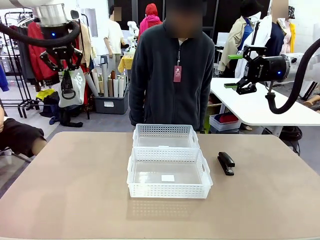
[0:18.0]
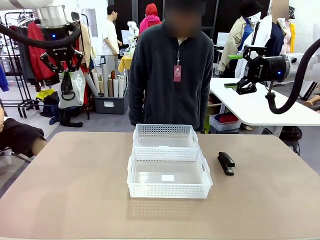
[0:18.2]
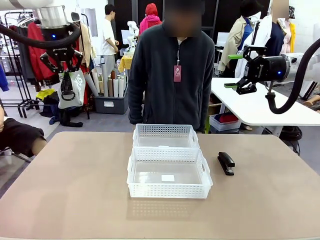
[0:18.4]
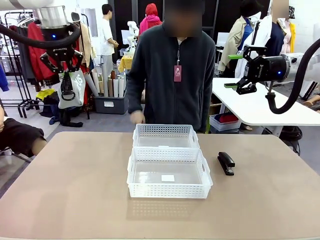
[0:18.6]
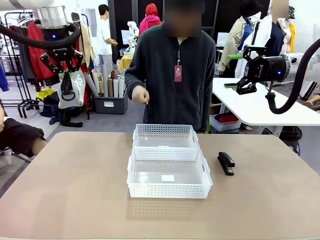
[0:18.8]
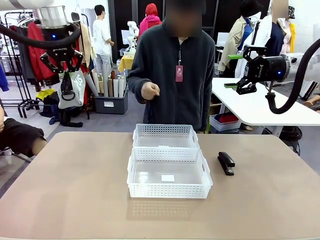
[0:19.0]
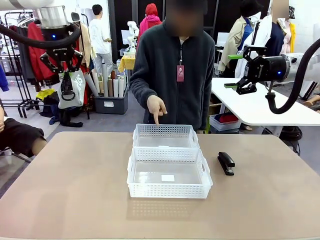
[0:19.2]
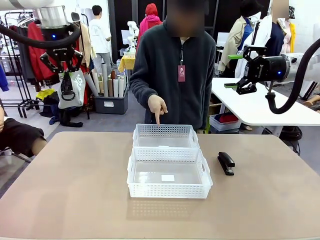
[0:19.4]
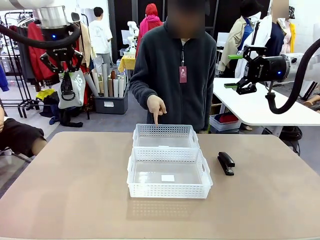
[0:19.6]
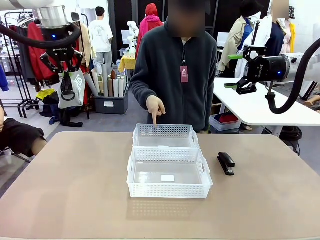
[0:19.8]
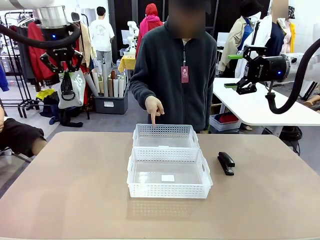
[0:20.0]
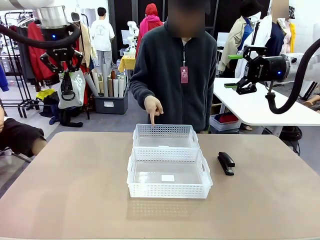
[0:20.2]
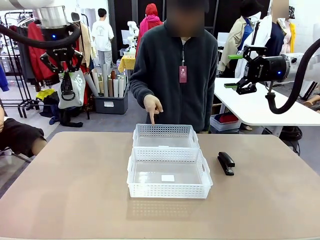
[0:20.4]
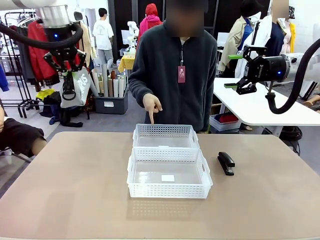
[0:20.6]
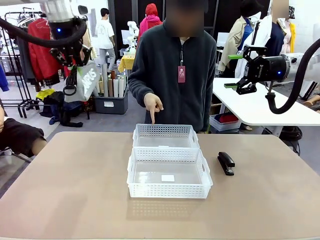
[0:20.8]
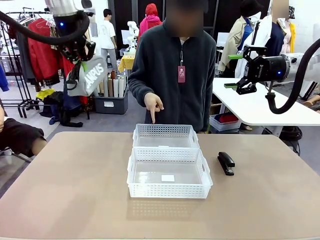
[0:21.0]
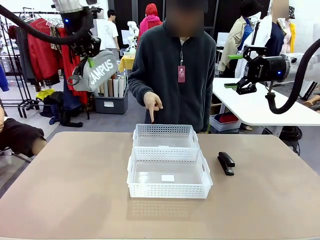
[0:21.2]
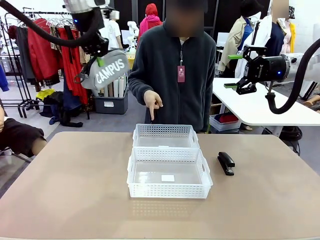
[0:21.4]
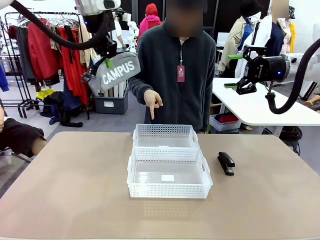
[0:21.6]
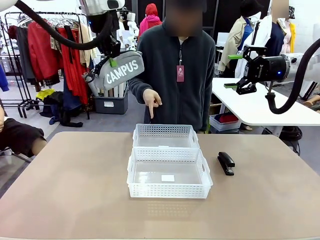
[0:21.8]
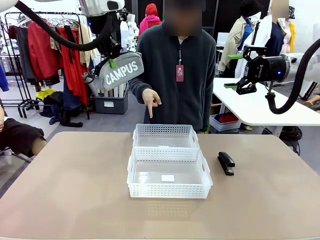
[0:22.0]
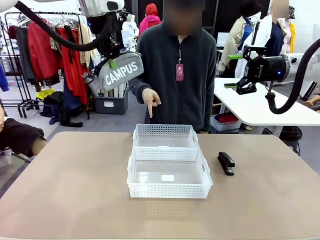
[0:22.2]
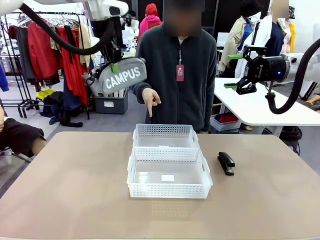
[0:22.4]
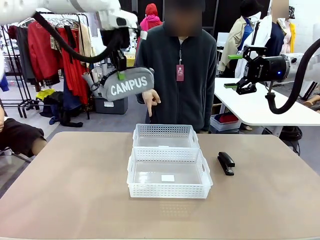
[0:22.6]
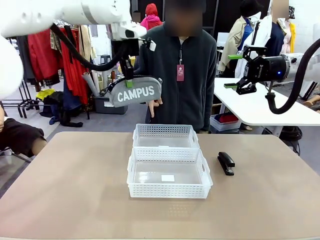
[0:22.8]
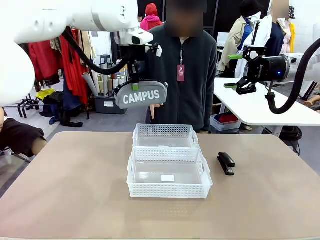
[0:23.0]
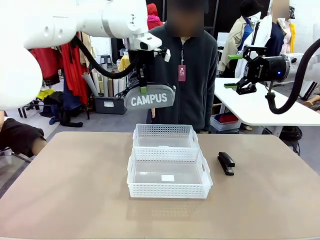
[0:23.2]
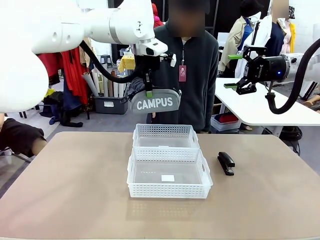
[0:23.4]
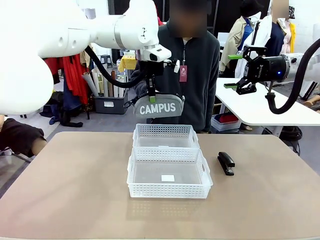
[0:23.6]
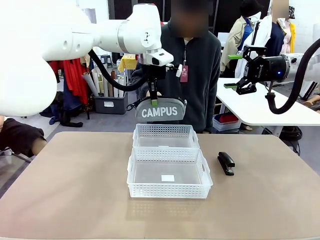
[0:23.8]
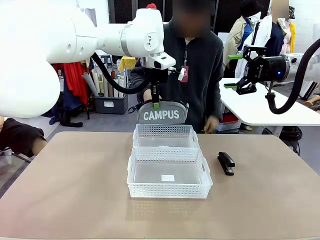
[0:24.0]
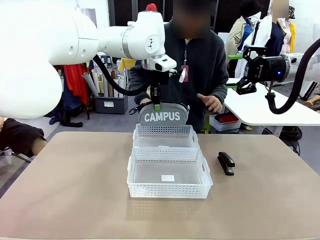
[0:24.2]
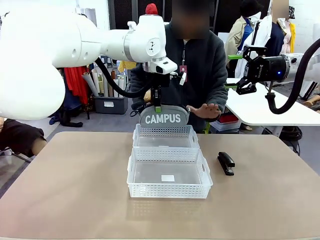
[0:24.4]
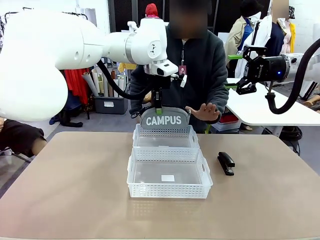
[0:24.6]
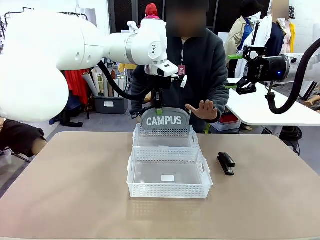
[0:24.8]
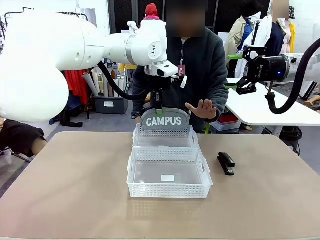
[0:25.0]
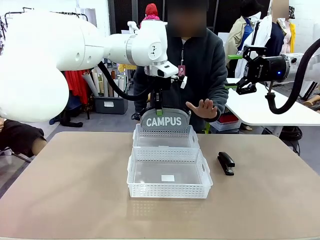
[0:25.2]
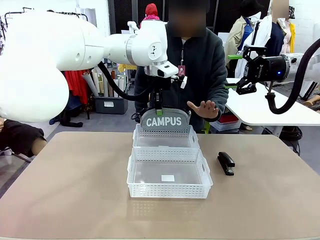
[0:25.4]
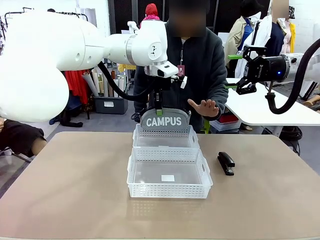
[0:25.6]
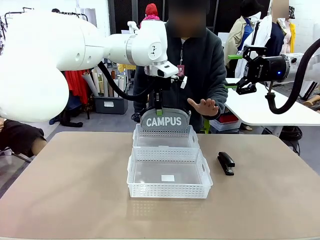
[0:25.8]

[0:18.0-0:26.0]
Task: Distribute items into two baskets.
Robot: Move the picked Pencil pouch towards the Organizing basket indicated by the person, stopping as directed.
Person: Sends a stop gesture before the robot places the pencil case into the basket. Instructs the robot to place the pencil case into the opposite basket.

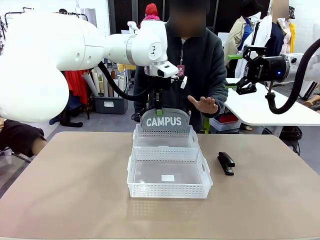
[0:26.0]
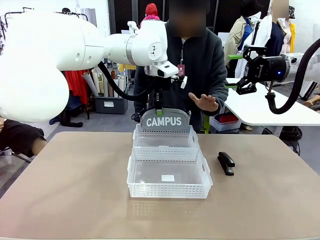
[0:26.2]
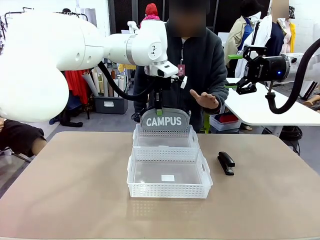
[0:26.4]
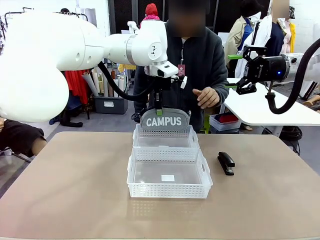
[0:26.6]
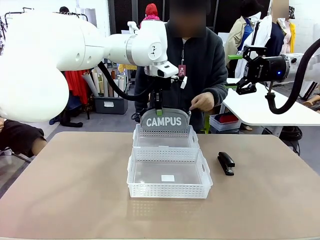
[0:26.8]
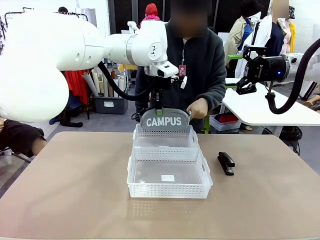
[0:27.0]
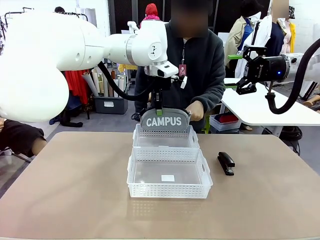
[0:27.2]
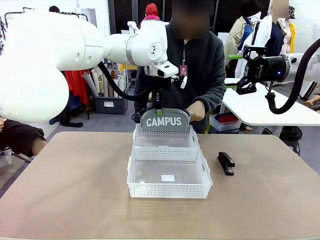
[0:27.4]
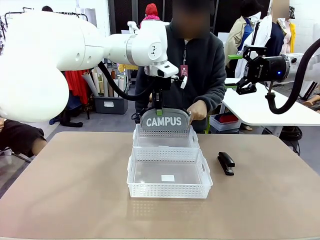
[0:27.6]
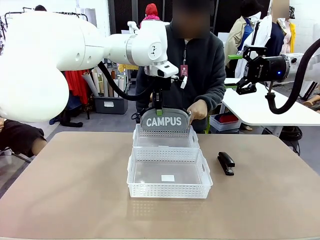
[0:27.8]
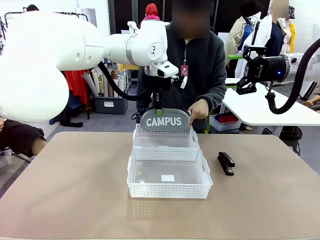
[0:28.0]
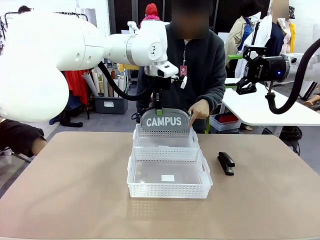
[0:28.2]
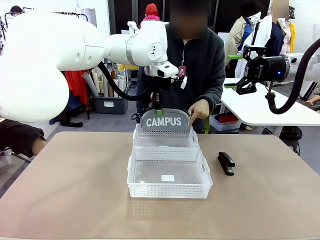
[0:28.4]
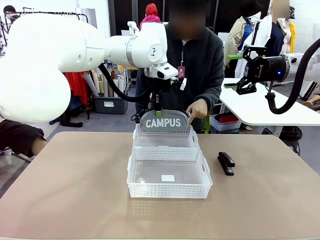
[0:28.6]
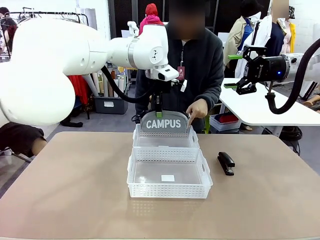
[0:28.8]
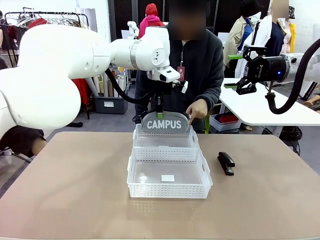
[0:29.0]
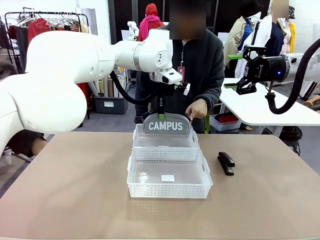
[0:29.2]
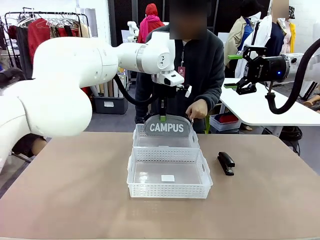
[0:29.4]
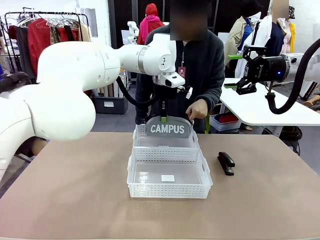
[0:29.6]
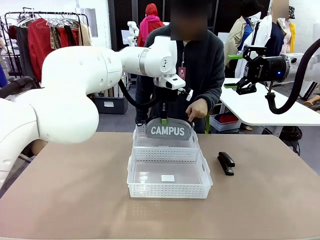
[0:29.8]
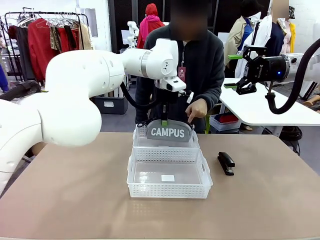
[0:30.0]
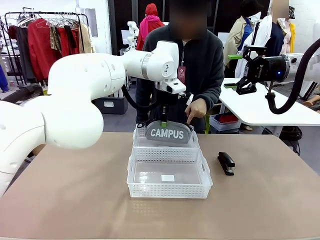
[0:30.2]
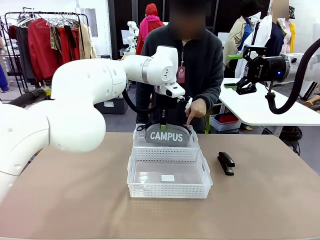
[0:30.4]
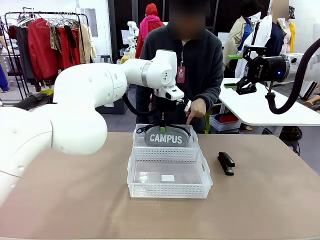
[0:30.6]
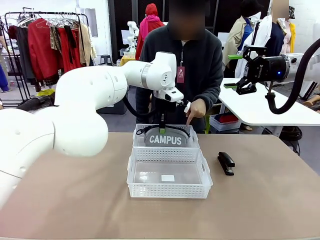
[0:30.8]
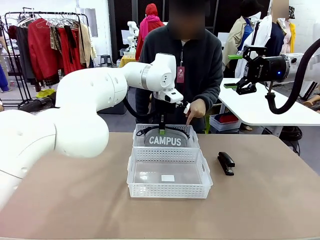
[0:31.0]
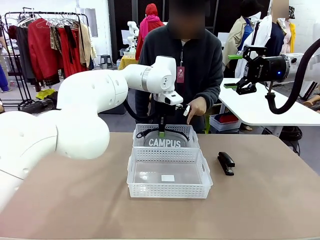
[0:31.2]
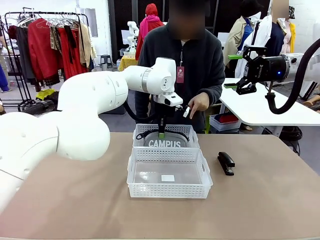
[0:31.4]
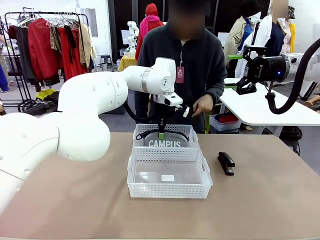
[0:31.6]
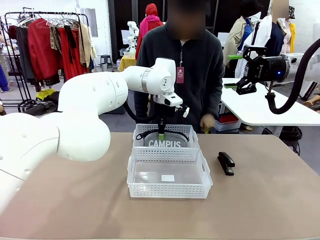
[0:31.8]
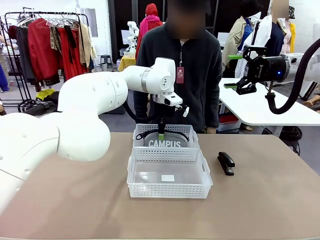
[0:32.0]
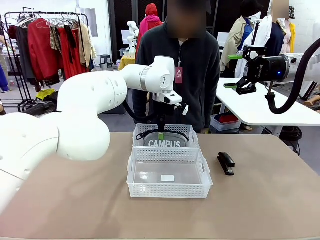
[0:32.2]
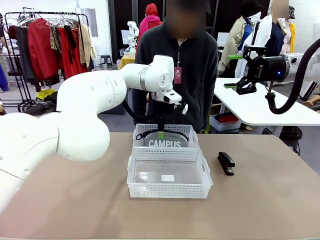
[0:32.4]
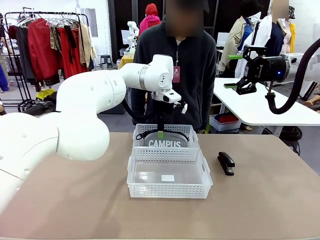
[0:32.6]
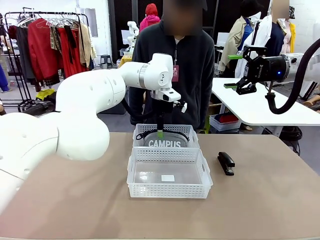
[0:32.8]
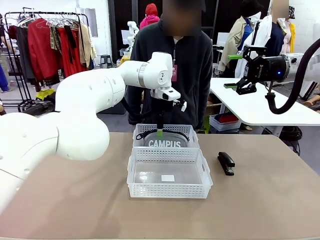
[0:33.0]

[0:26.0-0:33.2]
Robot: Place the picked Pencil pouch into the Organizing basket as instructed by the person.
